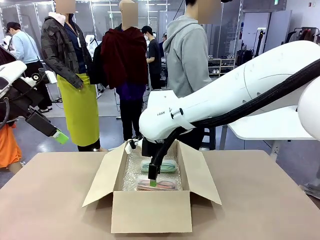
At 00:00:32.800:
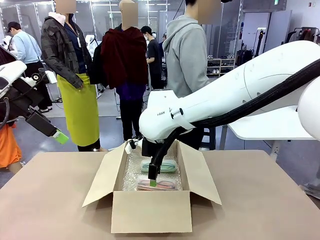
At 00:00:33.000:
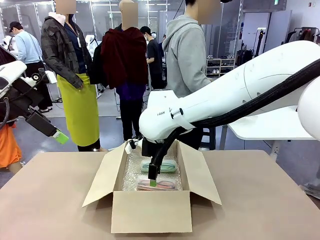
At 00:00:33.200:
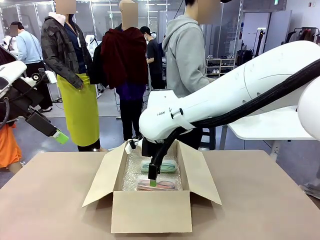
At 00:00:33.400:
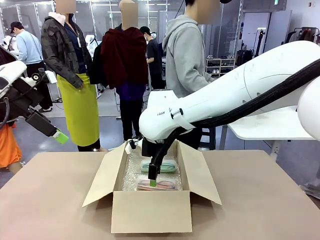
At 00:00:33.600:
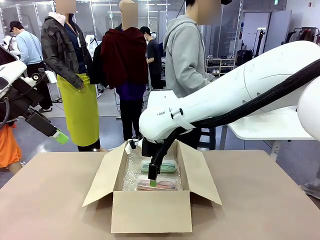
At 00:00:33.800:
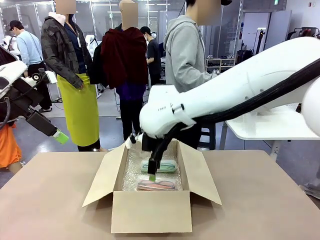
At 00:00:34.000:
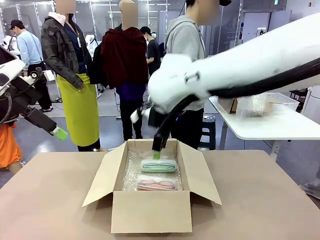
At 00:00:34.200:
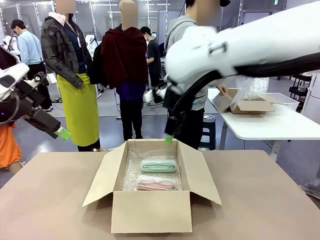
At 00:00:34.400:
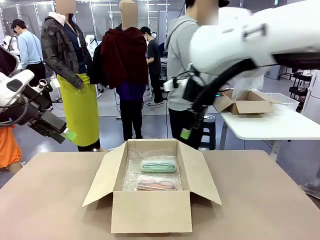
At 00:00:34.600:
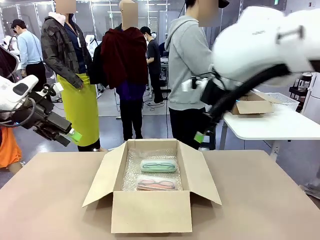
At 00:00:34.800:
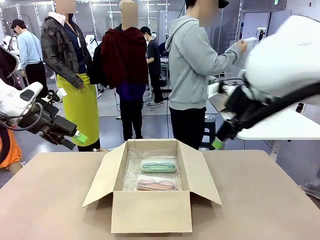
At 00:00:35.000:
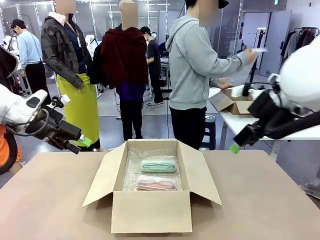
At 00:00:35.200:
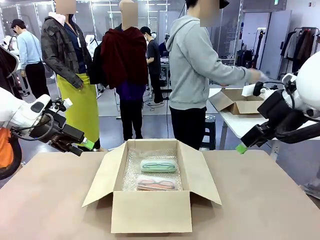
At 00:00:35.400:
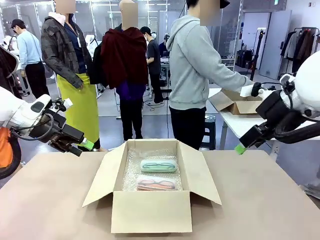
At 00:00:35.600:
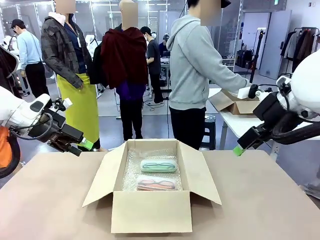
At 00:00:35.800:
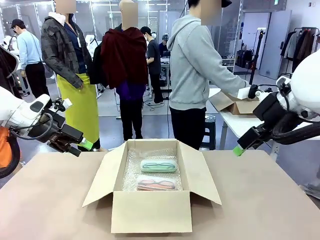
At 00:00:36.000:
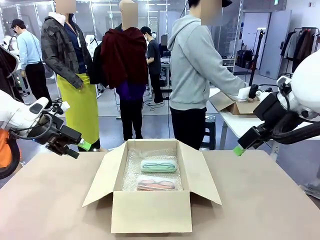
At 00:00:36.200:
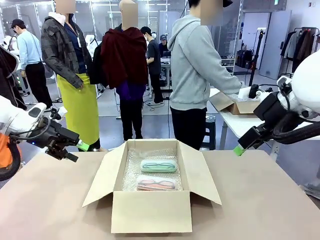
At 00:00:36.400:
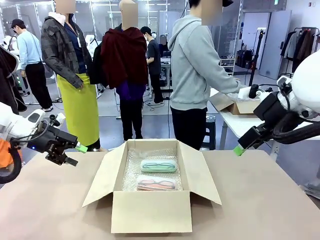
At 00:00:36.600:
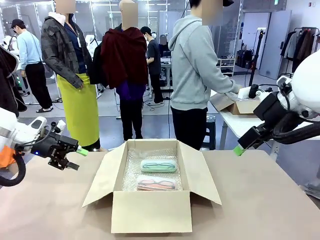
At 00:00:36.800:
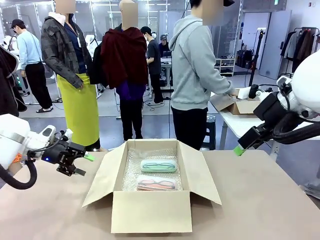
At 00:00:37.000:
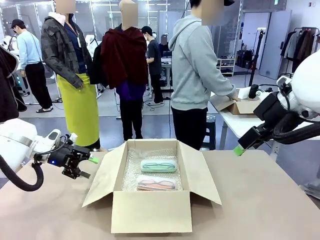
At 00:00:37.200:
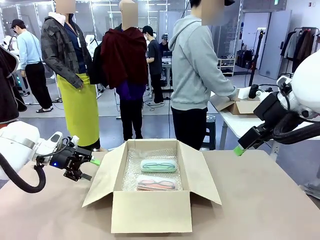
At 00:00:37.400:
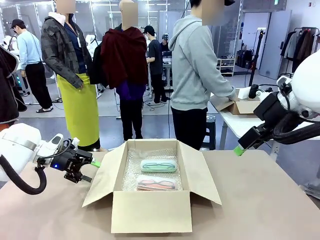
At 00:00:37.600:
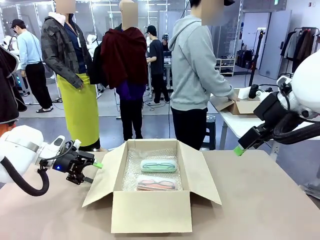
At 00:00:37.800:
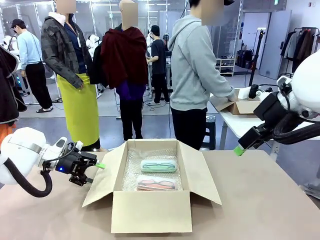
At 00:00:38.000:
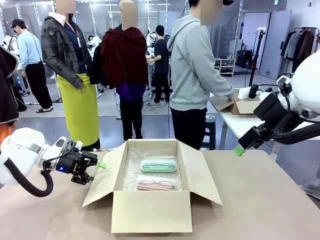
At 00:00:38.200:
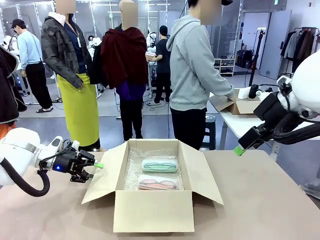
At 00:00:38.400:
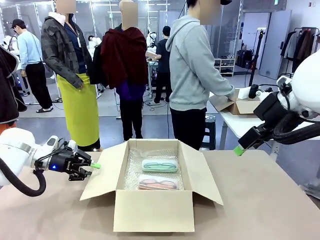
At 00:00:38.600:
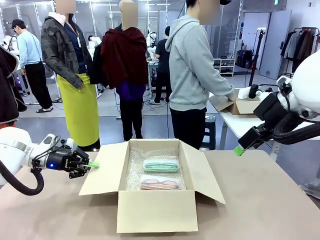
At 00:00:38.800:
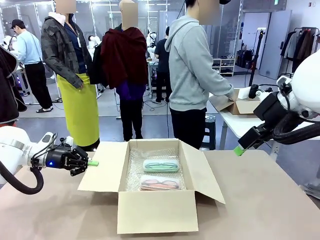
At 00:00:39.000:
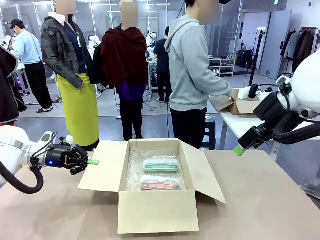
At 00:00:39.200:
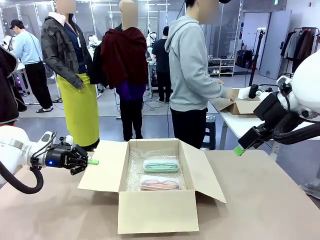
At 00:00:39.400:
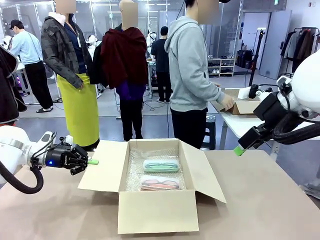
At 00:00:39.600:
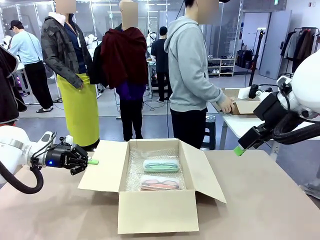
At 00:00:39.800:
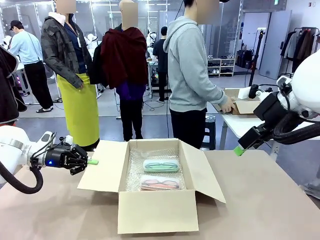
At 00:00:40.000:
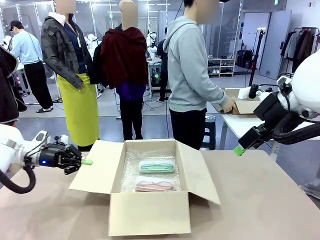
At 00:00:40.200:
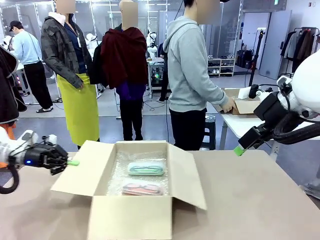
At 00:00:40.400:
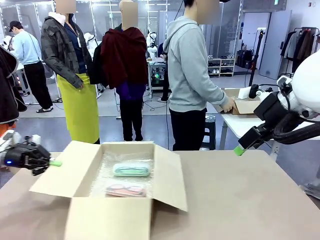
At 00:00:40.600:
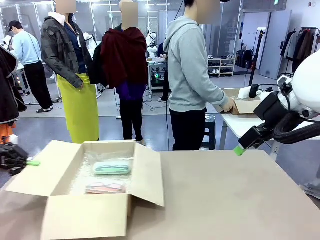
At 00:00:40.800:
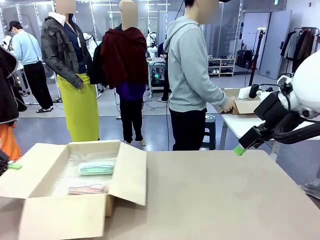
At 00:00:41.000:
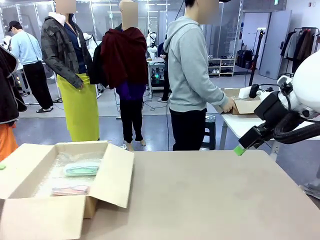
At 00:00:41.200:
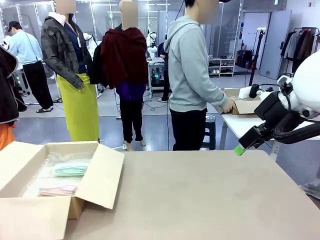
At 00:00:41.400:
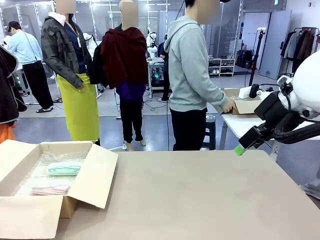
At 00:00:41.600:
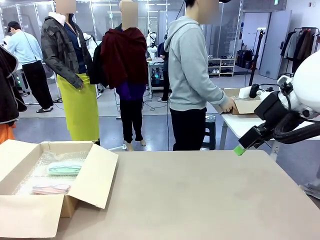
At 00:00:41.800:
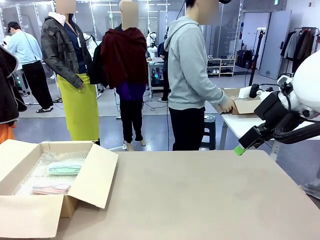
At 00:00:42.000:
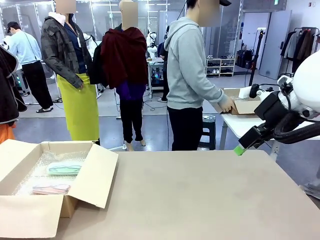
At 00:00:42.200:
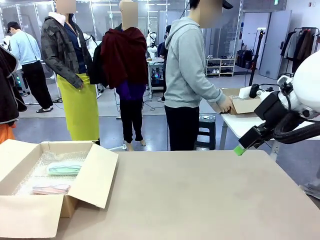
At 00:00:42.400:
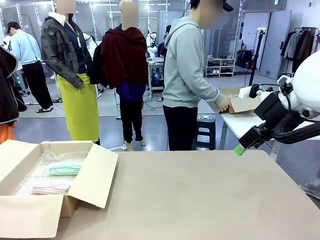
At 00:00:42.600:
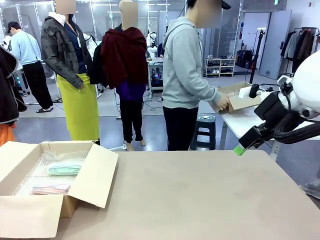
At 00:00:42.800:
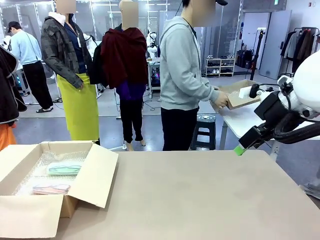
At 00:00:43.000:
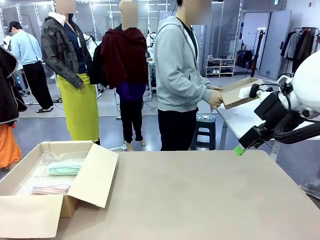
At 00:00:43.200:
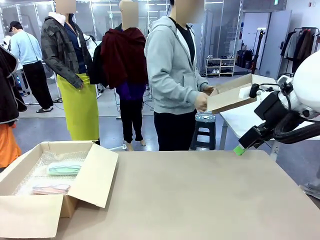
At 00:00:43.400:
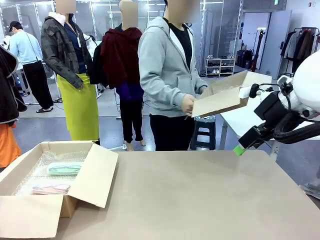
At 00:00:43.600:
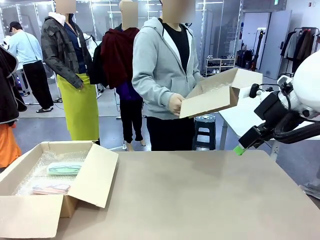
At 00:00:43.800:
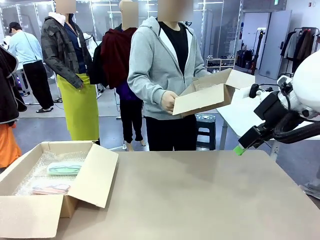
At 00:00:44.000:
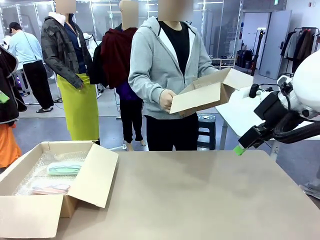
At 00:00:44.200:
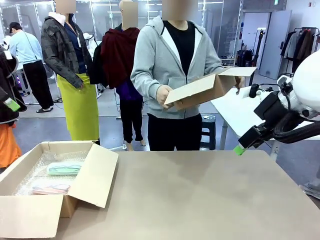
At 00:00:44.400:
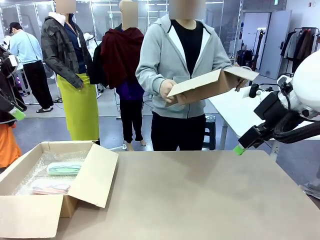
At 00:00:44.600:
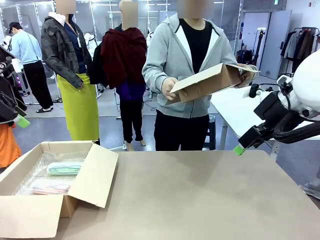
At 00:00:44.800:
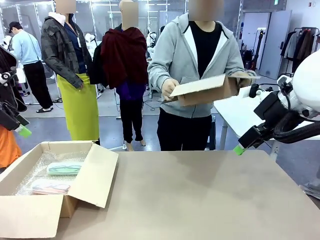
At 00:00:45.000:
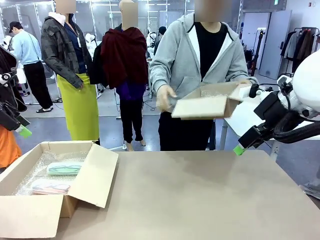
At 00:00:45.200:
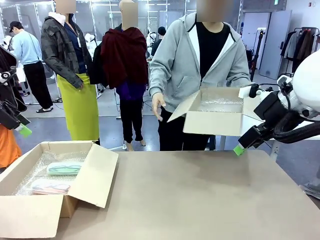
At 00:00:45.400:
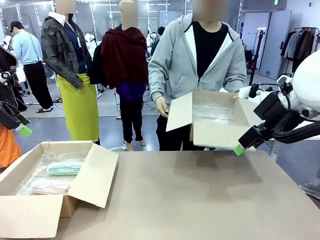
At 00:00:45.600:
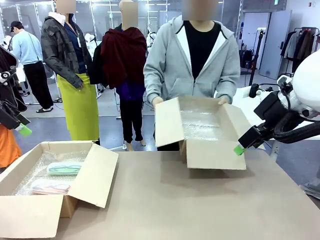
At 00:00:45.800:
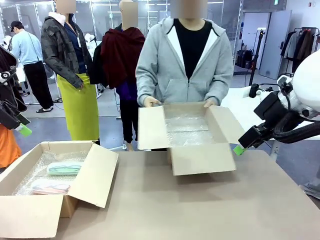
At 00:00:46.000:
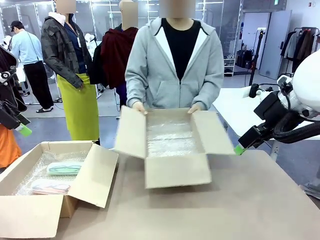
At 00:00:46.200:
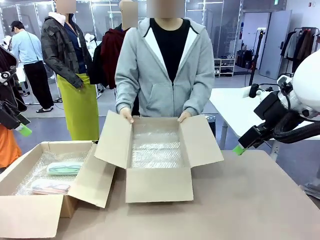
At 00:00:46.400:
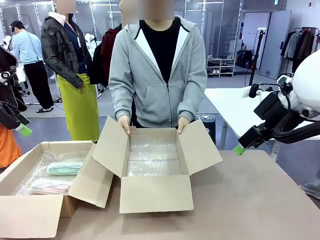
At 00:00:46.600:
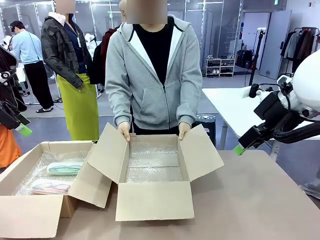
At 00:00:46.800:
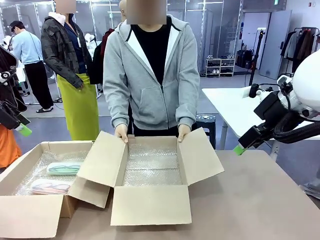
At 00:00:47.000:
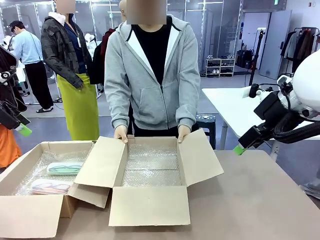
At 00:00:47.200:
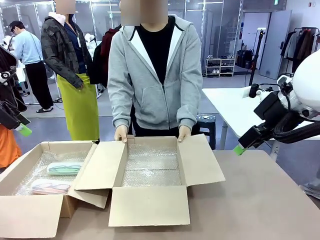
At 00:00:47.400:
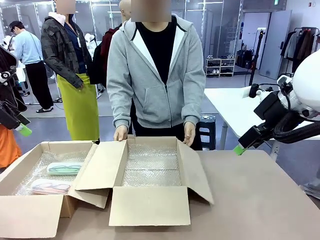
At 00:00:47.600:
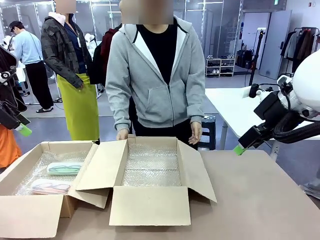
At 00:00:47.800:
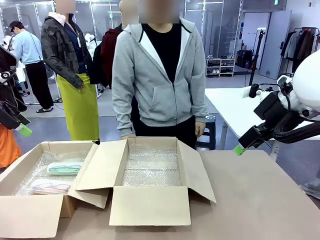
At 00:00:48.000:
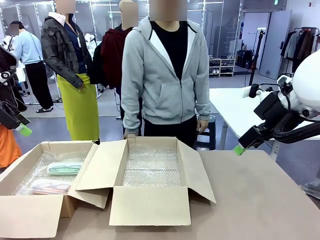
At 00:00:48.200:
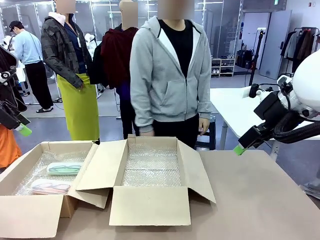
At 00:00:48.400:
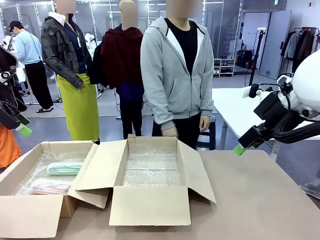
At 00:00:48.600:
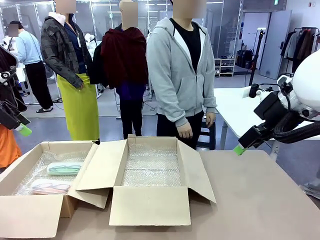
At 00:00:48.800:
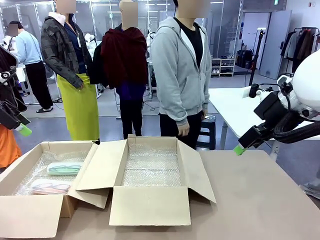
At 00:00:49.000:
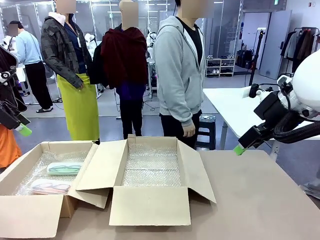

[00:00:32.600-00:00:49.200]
Task: Pack the glasses set securely to prepare it for shipping.
Robot: Position the Package Box on the left side of the table.
Person: Position the empty Package Box in the middle of the robot's table.
